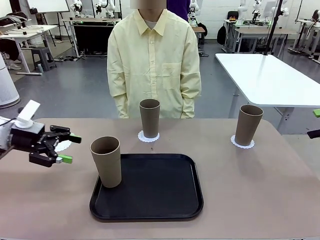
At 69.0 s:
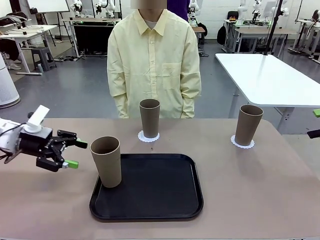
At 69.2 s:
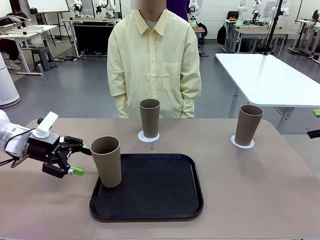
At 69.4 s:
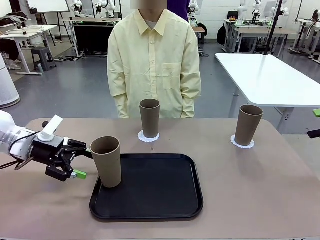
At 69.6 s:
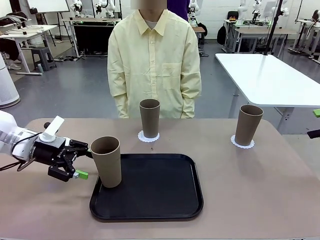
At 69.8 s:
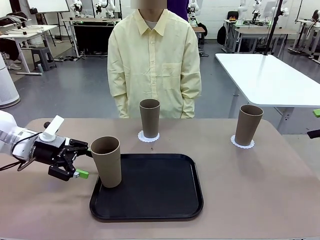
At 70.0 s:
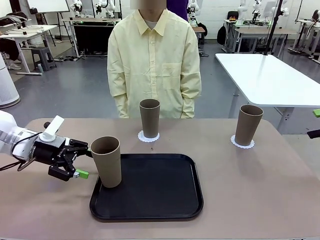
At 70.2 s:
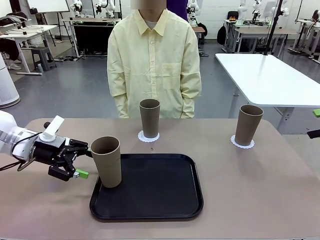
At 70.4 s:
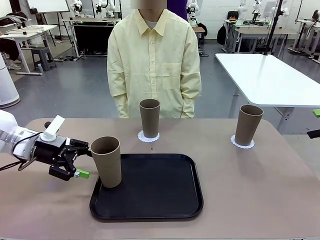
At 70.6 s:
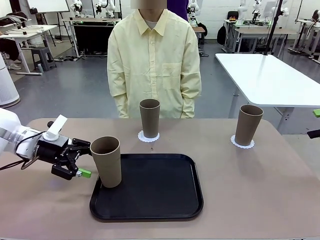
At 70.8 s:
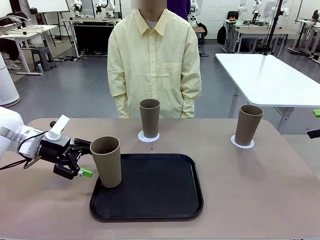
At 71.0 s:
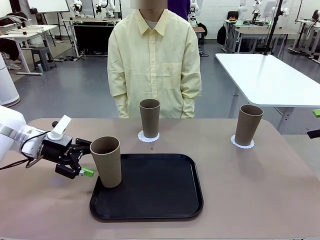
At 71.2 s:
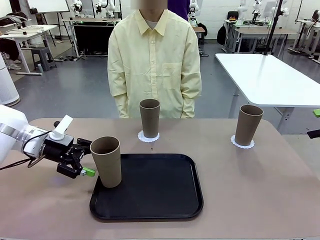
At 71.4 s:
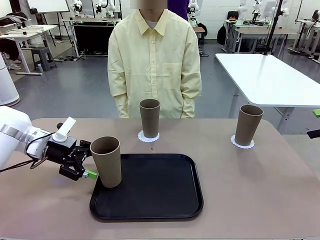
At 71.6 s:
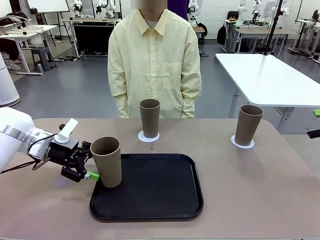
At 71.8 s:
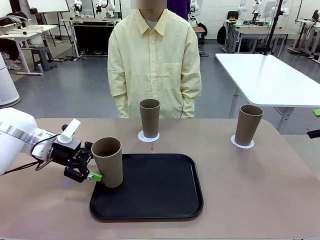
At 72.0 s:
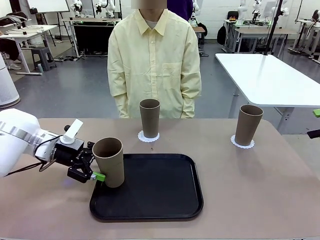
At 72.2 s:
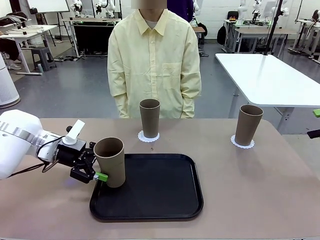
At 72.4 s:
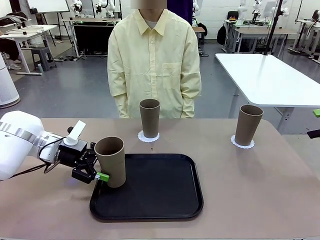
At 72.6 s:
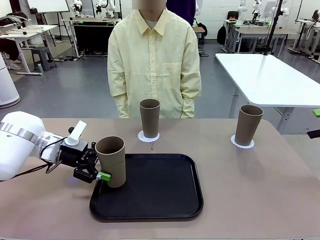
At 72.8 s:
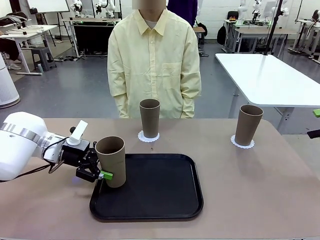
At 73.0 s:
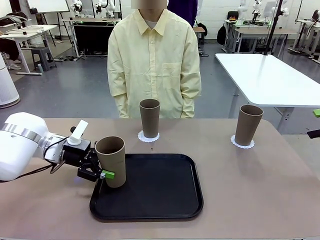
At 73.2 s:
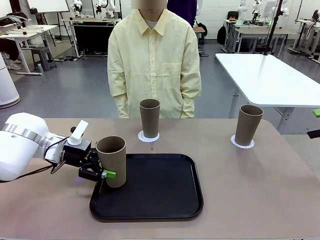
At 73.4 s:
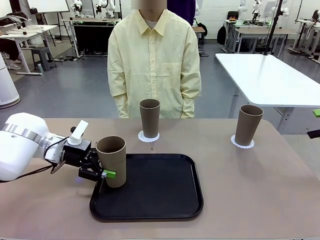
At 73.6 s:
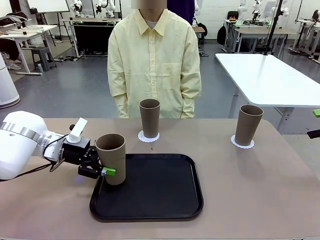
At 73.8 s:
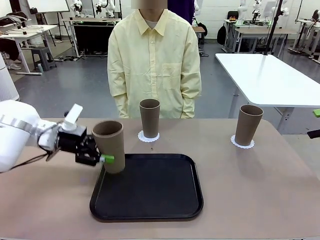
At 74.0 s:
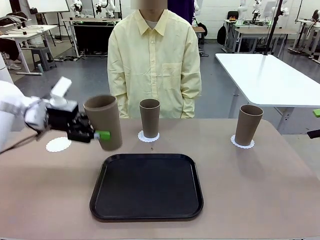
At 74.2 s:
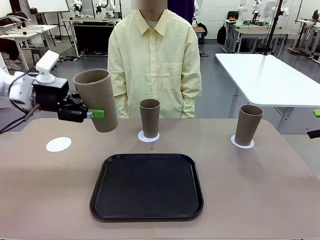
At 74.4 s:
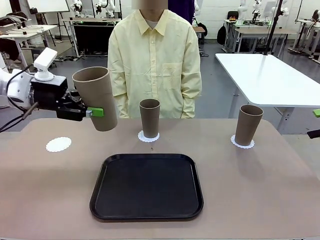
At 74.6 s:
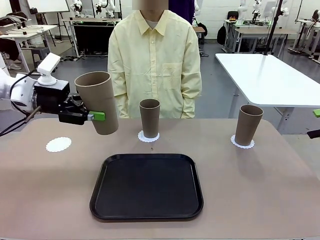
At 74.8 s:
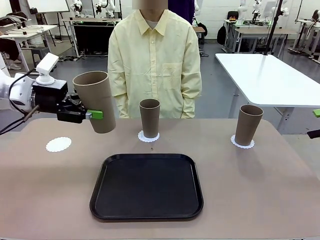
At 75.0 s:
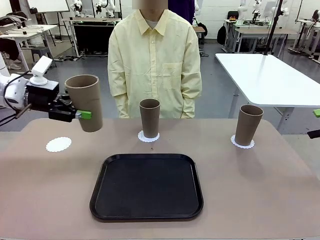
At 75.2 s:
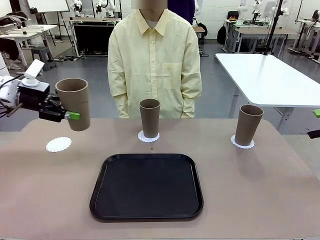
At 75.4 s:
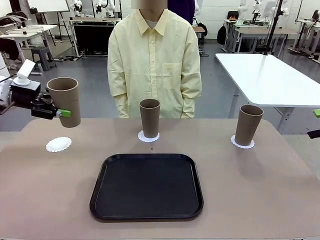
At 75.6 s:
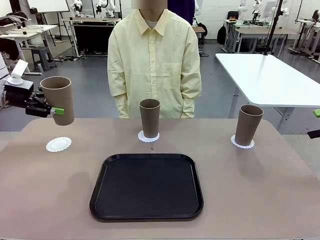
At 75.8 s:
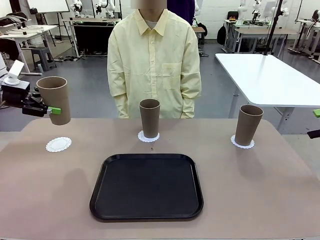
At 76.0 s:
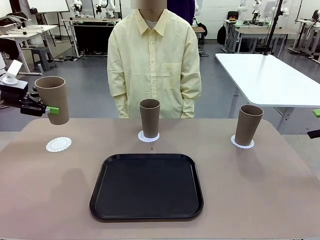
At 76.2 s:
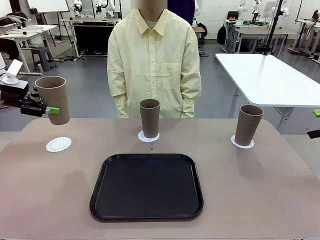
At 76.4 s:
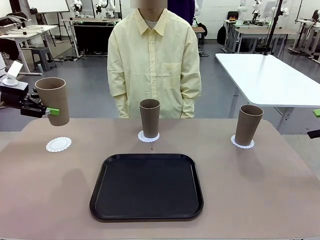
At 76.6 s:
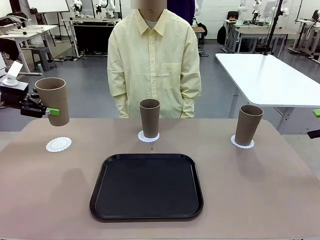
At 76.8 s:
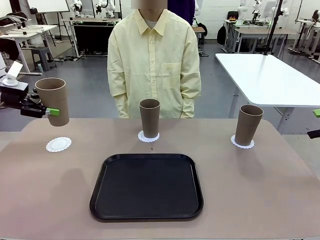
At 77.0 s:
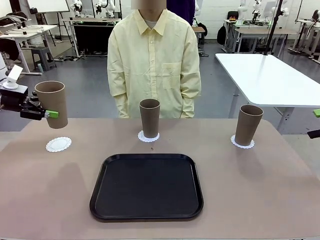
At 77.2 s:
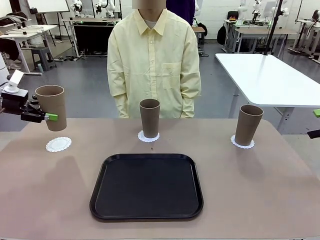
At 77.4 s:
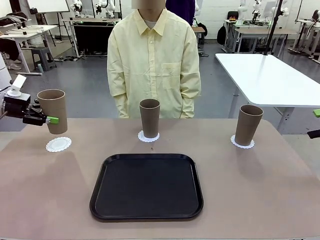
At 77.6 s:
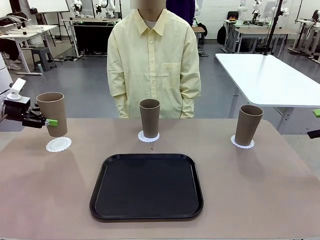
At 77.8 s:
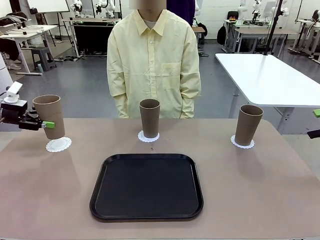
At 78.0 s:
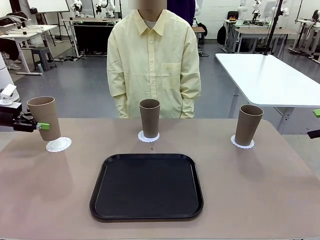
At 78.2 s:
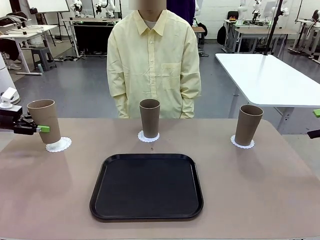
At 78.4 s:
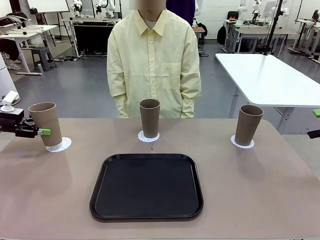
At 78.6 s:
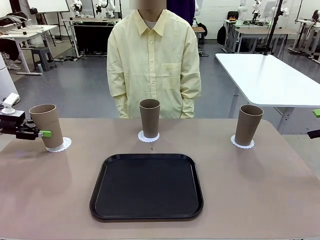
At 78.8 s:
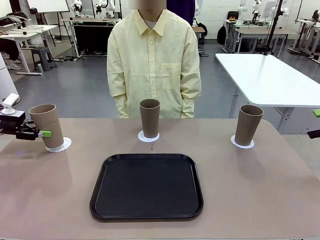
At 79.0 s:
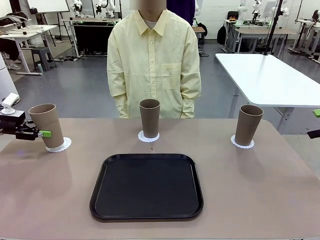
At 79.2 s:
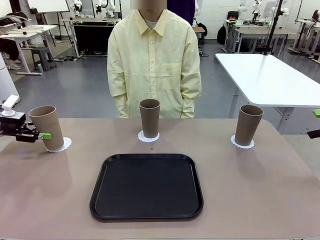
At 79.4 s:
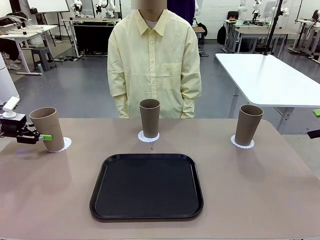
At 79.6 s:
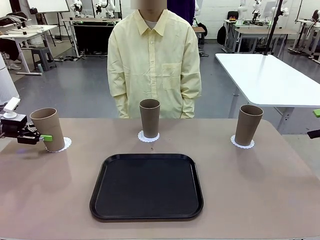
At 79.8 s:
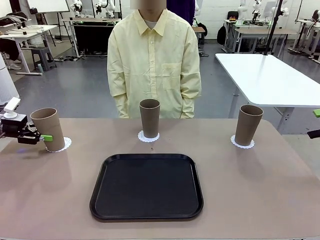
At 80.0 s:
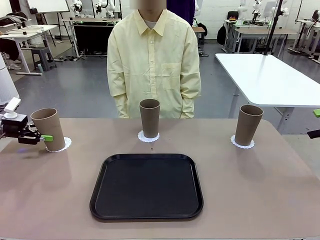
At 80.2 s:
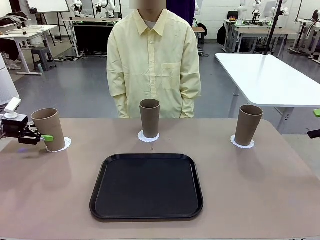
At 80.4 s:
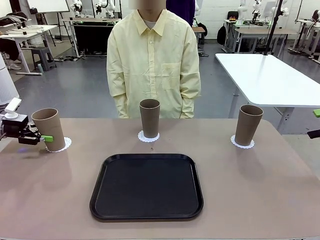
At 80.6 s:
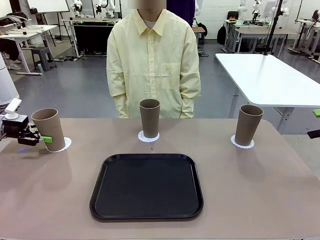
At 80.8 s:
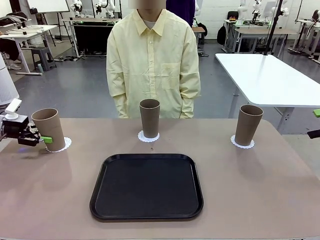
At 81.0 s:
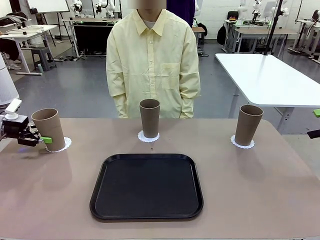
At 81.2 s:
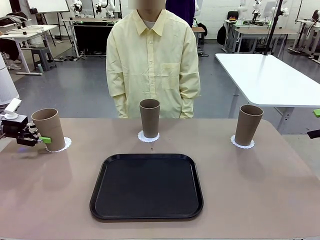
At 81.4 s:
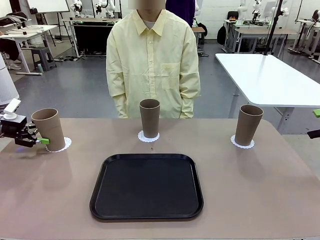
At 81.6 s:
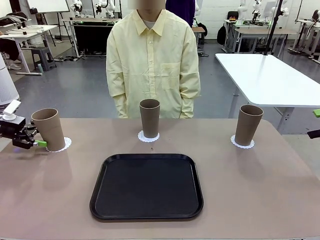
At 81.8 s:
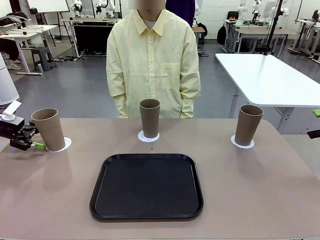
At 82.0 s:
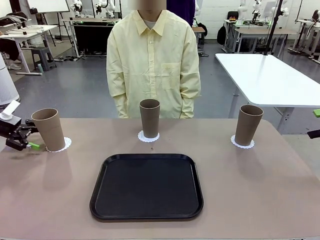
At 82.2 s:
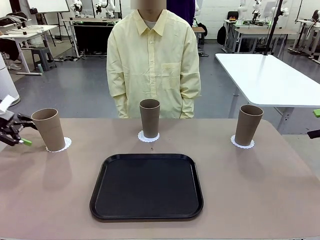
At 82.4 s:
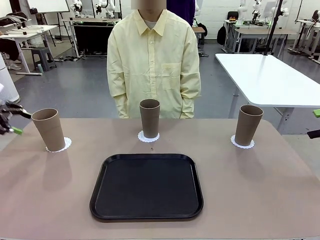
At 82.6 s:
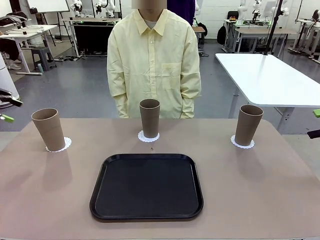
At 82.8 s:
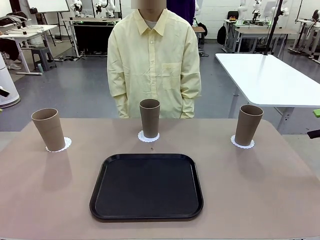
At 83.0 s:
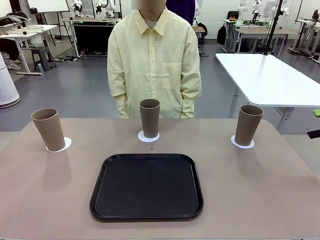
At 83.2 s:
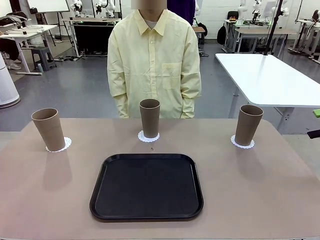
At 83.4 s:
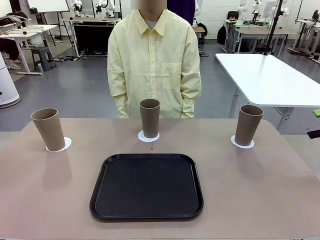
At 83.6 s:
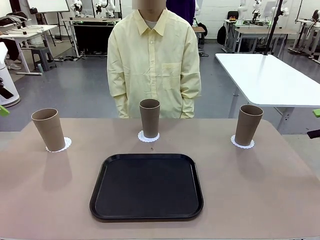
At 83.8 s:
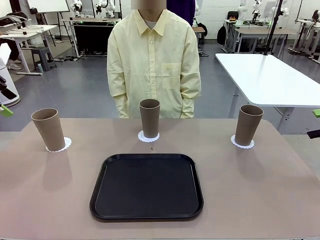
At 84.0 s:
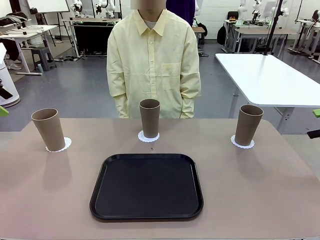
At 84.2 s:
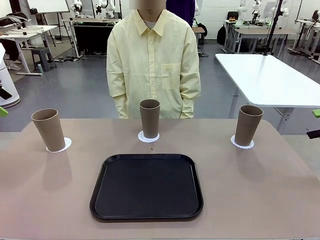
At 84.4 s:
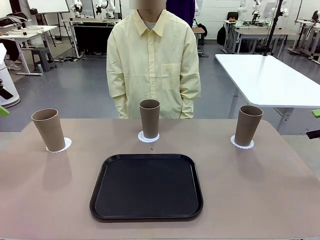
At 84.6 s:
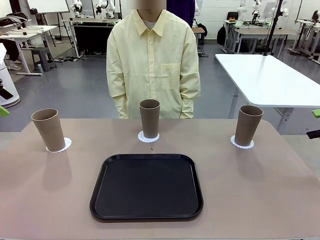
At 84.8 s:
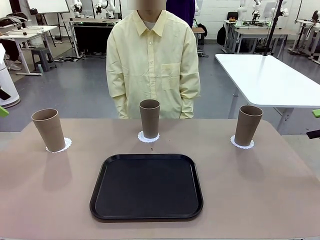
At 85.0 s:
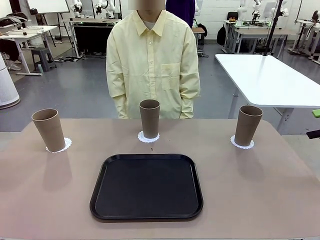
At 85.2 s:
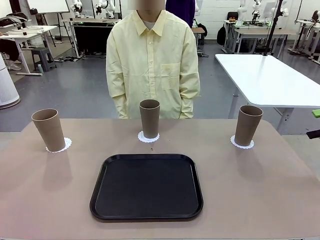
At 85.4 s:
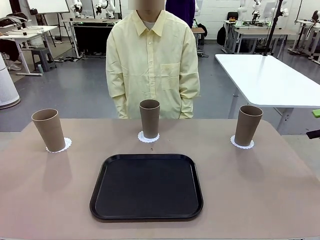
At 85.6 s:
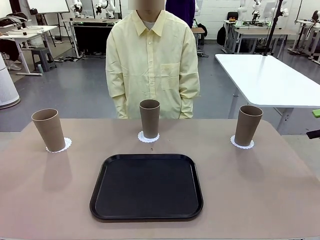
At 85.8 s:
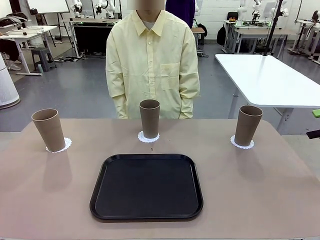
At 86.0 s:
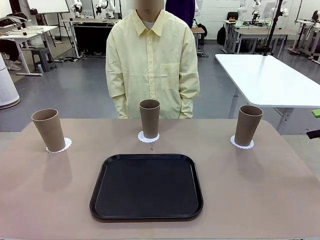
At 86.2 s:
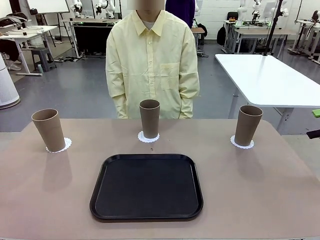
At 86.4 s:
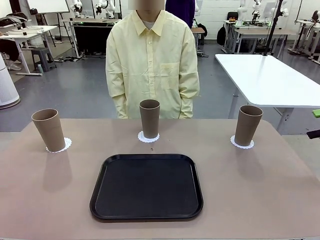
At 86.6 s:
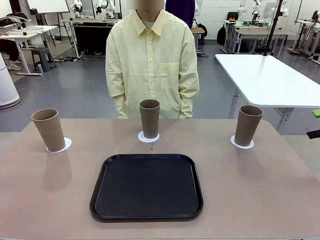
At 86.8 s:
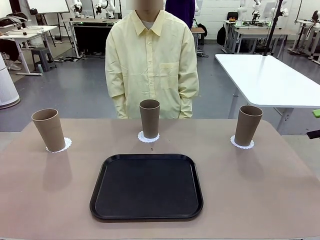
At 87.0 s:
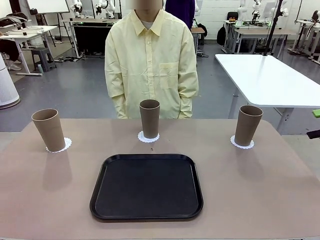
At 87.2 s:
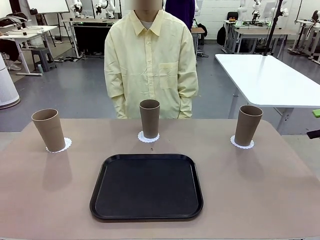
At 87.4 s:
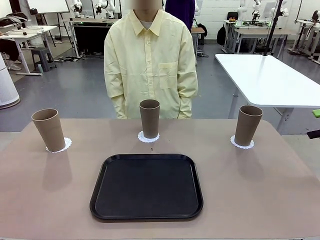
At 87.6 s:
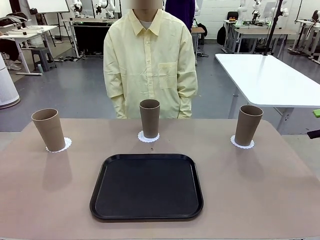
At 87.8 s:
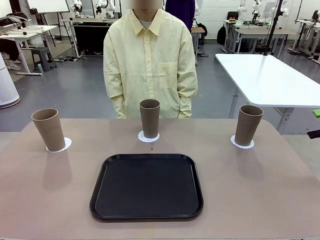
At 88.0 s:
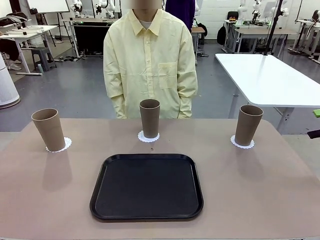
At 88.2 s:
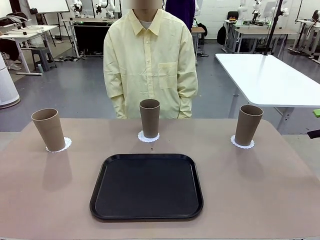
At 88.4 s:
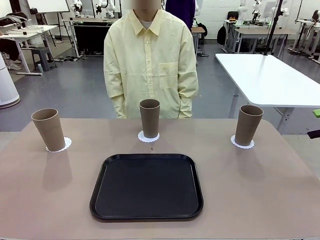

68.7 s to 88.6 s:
Task: Place coasters on the table and set cups on them.
Robot: Take one Reusable plastic cup from the Flat Tray and place it on a coaster set by the human.
